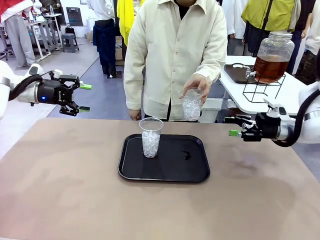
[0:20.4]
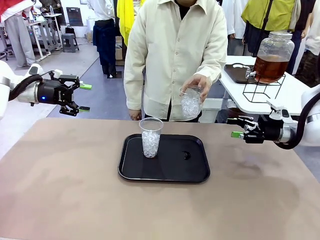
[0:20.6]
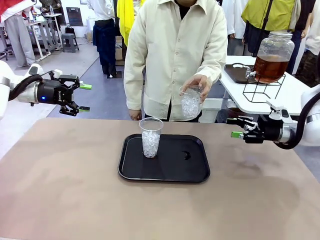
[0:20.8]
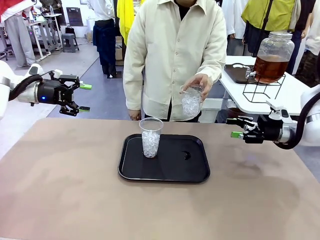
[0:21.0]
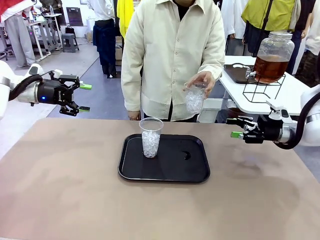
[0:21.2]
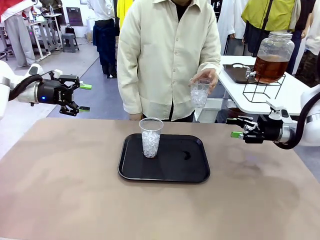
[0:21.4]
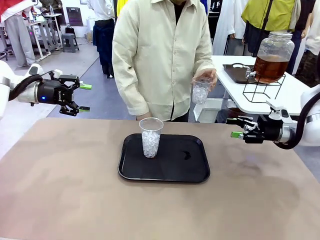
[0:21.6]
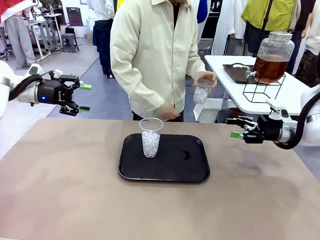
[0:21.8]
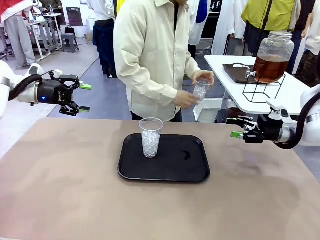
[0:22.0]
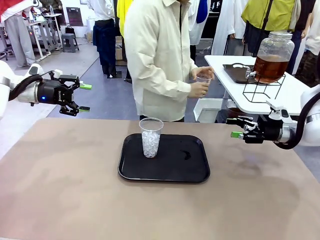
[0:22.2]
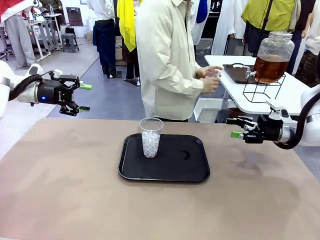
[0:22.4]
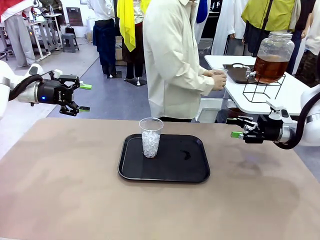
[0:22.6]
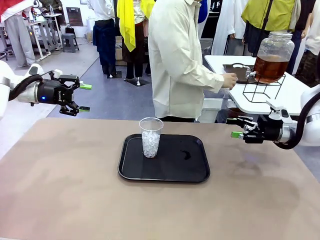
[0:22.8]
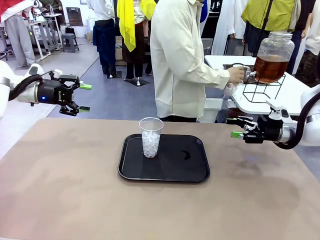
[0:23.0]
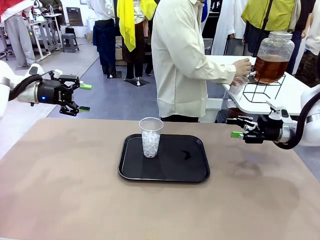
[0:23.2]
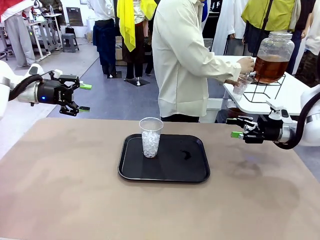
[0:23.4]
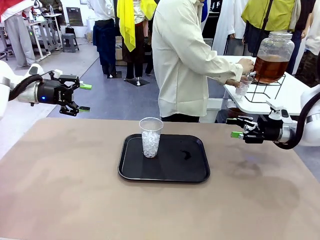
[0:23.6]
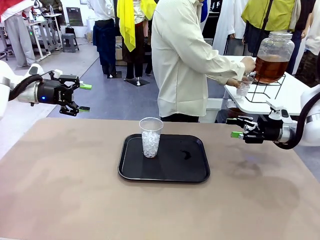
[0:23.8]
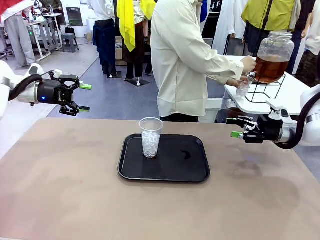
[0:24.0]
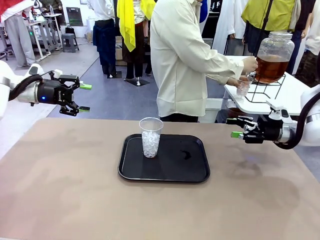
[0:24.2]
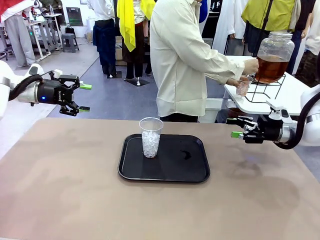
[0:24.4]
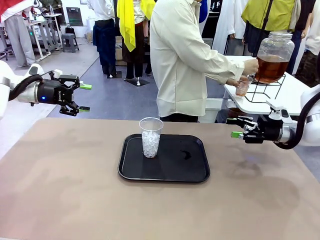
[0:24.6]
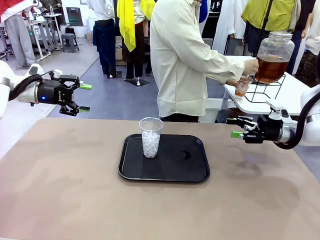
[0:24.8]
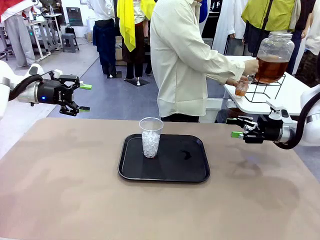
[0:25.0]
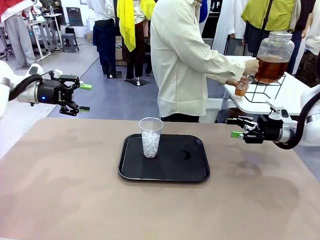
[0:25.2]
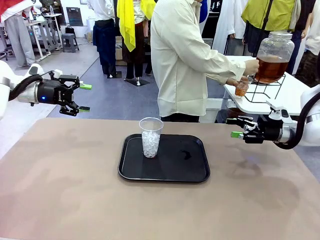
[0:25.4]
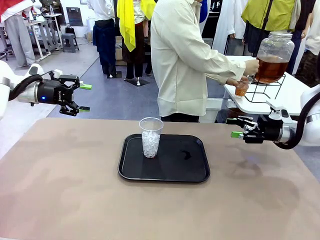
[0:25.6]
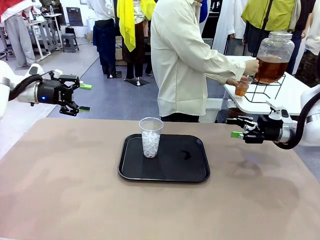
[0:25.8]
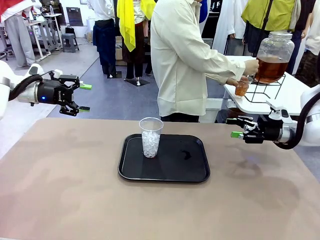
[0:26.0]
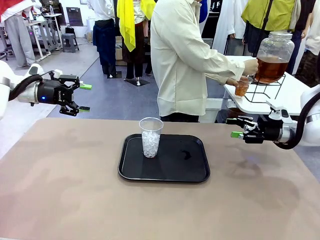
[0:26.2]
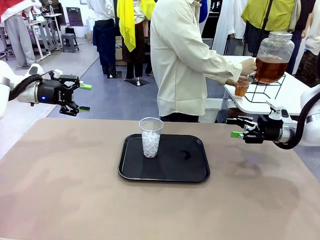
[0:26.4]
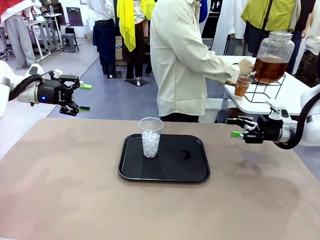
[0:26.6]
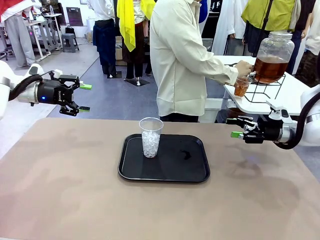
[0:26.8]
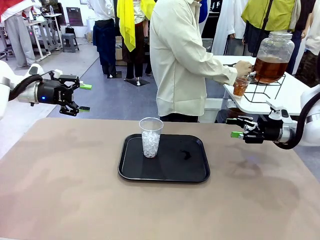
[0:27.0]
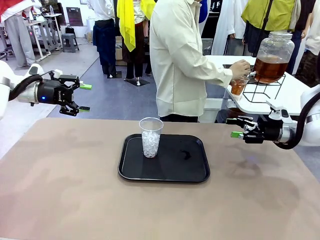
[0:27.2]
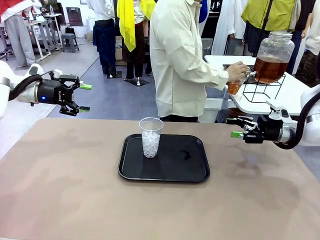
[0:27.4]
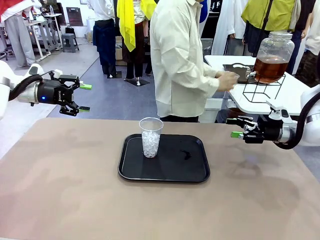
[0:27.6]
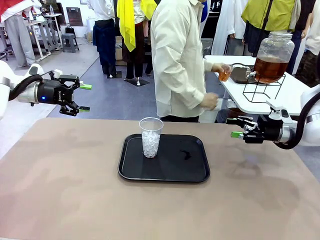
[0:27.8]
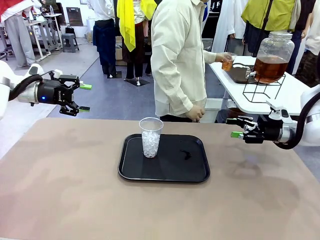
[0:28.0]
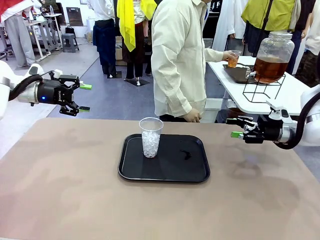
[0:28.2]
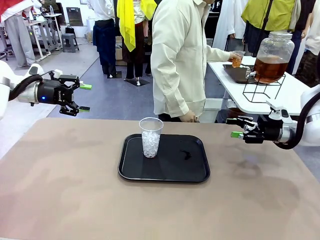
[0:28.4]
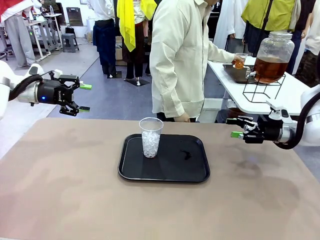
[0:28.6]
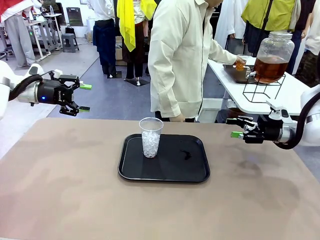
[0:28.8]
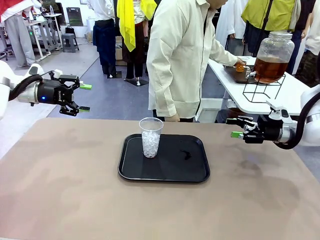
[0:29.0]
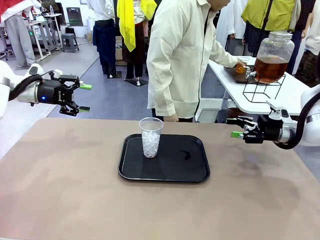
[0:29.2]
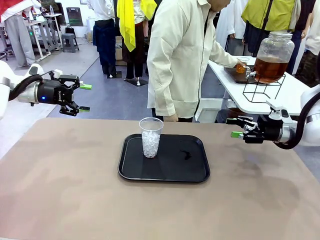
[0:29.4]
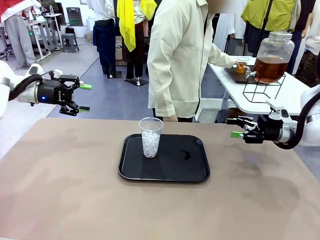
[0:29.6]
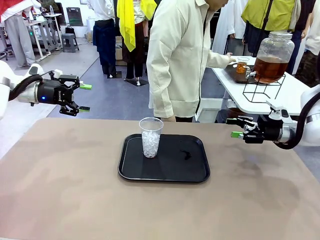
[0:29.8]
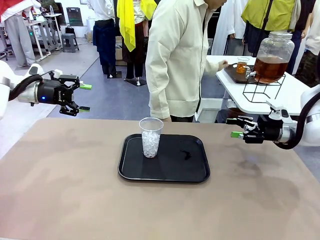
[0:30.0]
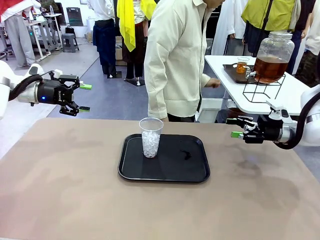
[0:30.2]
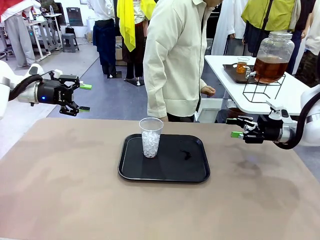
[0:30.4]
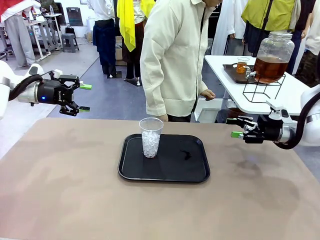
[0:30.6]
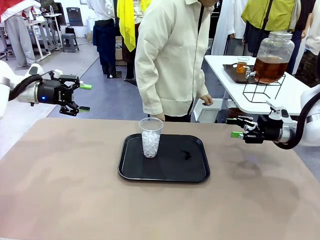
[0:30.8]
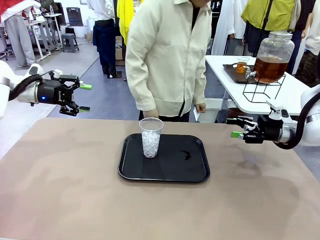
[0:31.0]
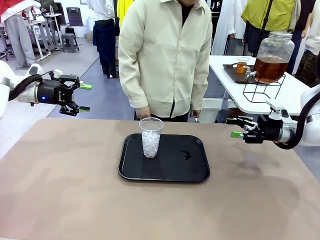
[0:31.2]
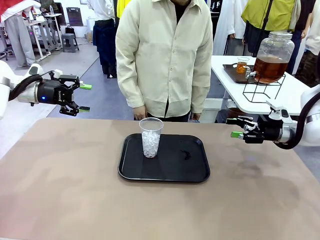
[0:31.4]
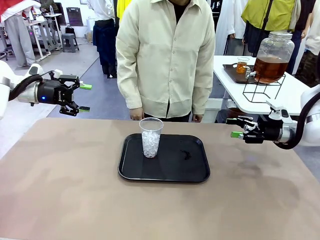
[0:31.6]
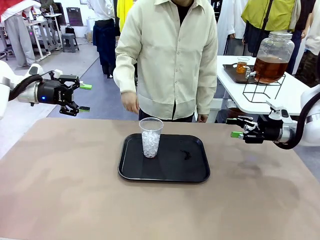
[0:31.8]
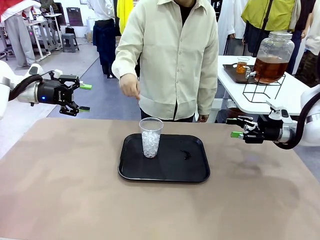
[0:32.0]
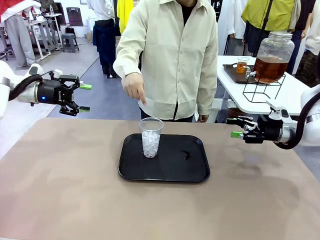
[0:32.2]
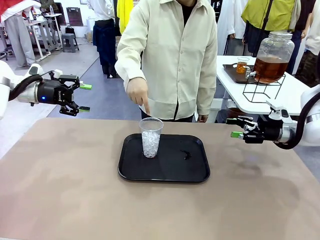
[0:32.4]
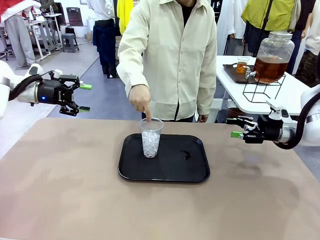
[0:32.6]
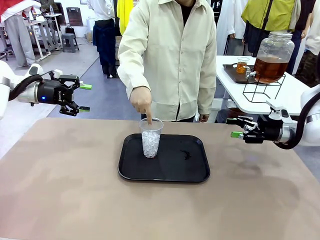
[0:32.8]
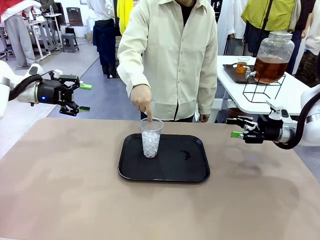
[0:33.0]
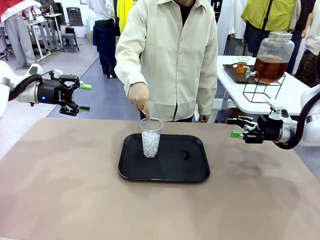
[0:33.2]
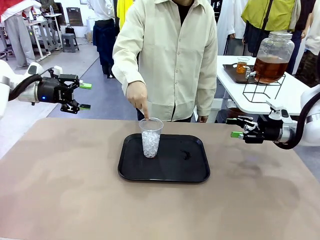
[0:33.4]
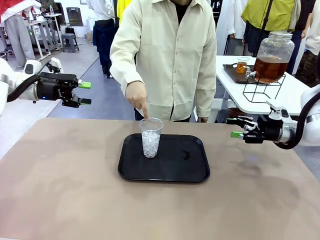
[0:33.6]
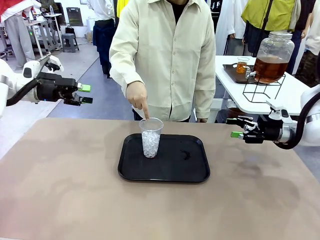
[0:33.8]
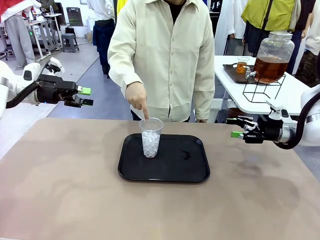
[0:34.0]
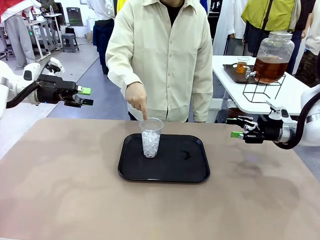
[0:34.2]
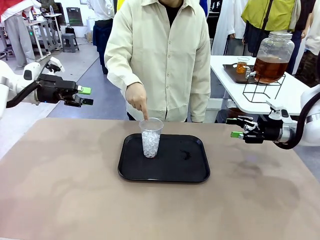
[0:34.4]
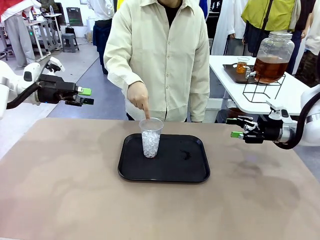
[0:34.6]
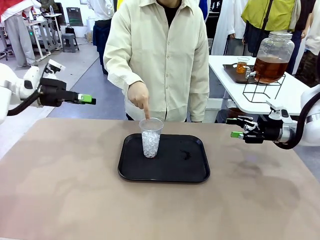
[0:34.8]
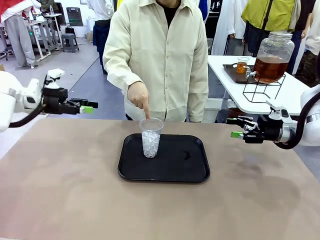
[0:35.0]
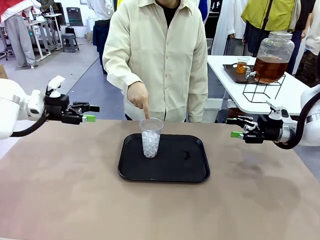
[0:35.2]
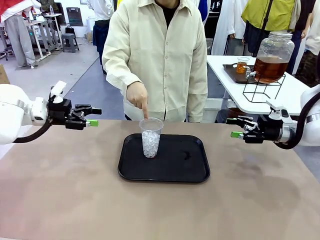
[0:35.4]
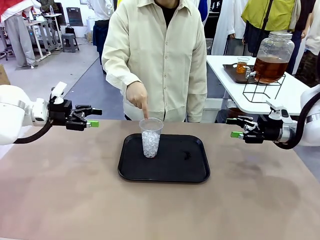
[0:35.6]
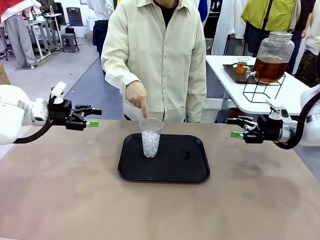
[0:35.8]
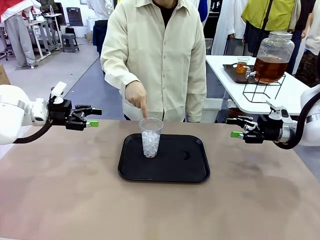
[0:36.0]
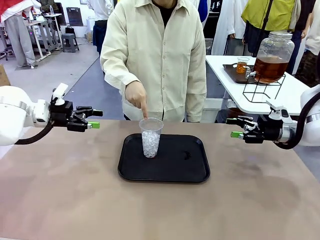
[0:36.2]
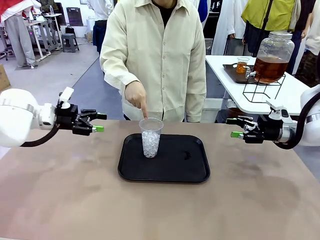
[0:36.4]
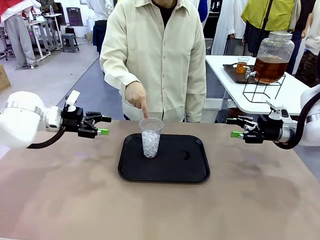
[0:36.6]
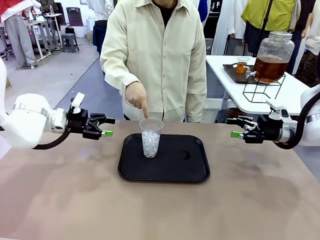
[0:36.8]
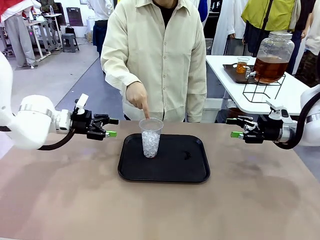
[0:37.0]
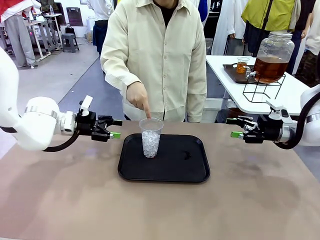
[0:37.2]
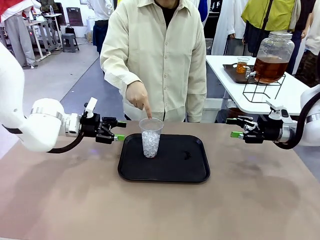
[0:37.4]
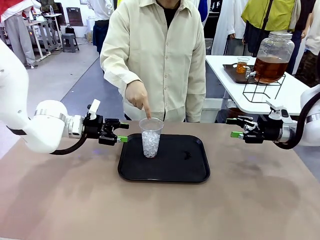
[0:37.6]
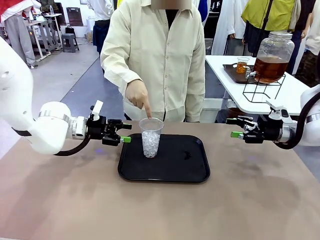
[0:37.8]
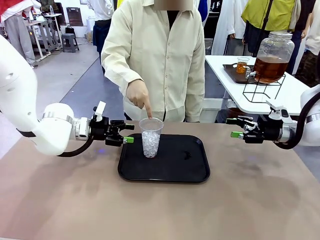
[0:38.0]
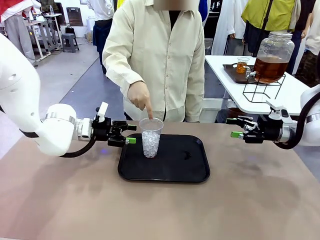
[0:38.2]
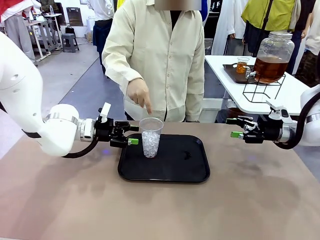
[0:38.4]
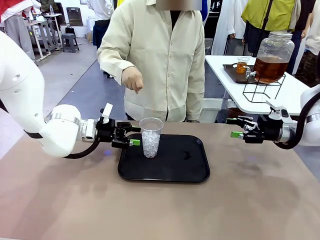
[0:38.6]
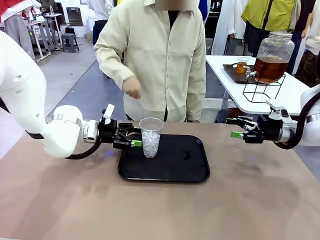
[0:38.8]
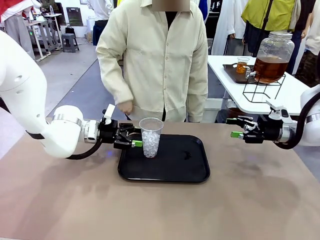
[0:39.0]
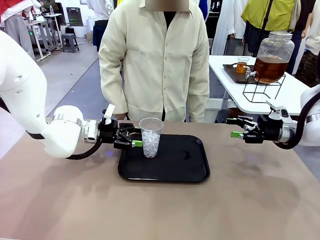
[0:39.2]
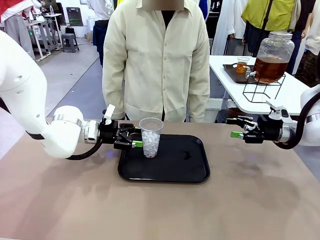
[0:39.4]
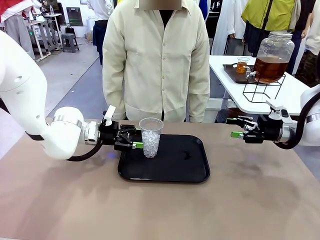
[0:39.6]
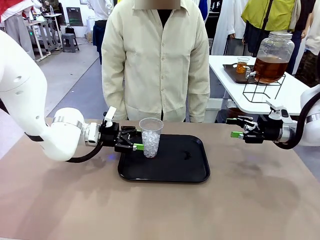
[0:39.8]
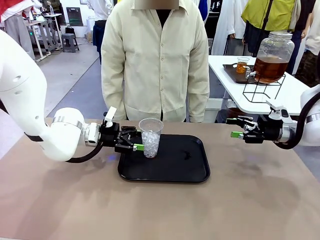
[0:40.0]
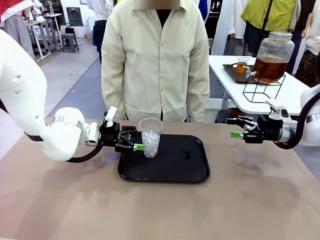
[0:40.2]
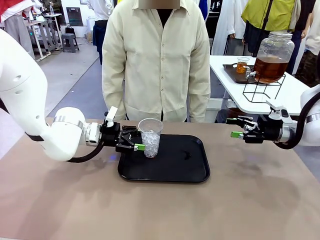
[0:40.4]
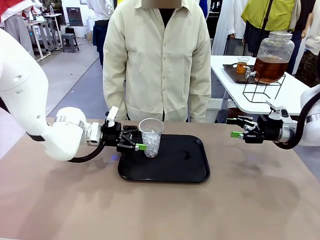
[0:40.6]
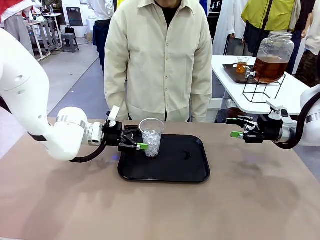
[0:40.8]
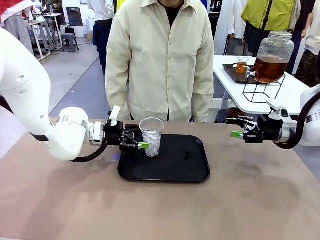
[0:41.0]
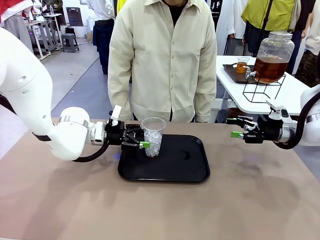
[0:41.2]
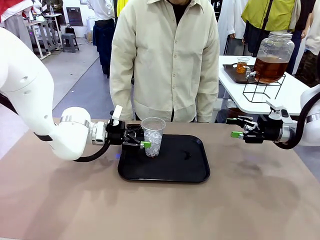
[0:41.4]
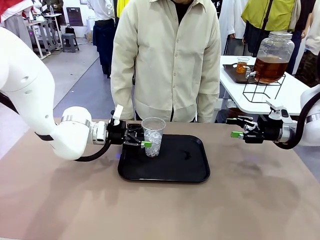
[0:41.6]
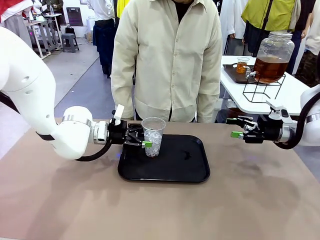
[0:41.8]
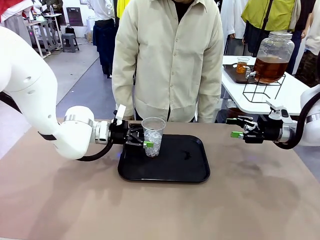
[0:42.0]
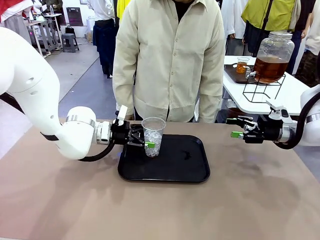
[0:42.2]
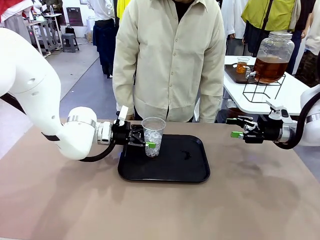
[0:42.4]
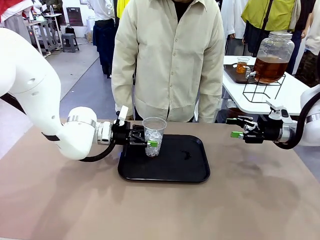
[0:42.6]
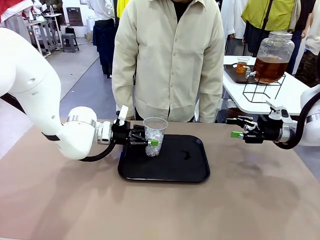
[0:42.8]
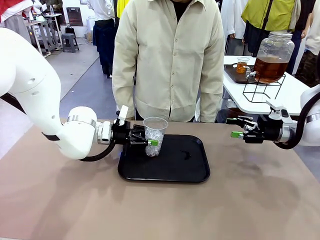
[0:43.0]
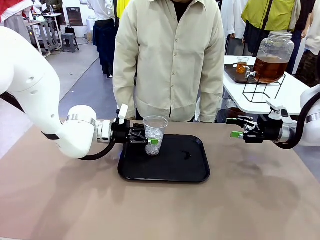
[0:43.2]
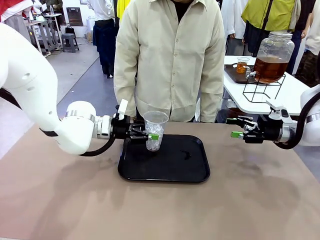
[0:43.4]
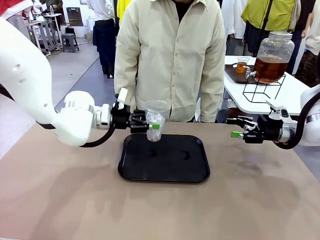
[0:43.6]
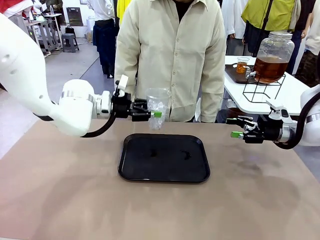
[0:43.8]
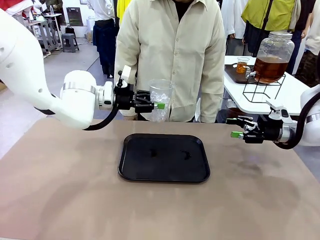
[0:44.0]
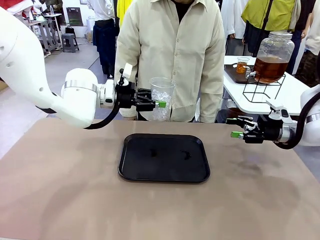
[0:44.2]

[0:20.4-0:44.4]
Task: Pour the drink into the iced cup.
Robot: Pick up the iced cup indicated by the human and present it to them.
Person: Move the picked-up cup under the dispenser faucet, pour the drink, and place it on the tray on the human table. Point to the remaining ice cup on the robot table. Pick up the cup offered by the robot.
